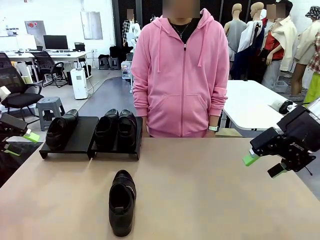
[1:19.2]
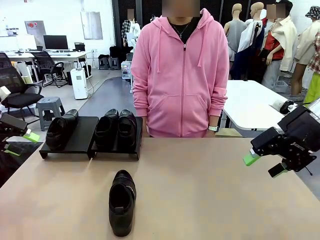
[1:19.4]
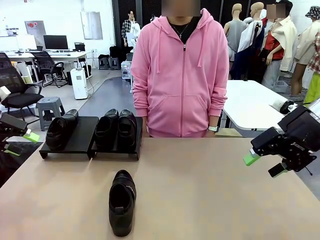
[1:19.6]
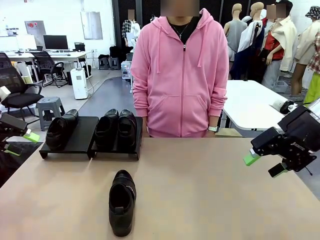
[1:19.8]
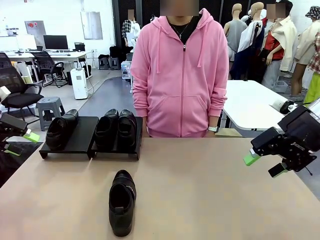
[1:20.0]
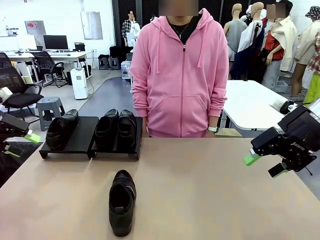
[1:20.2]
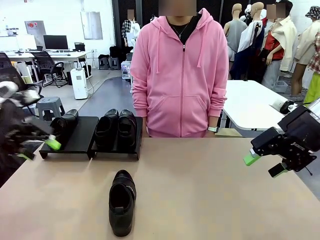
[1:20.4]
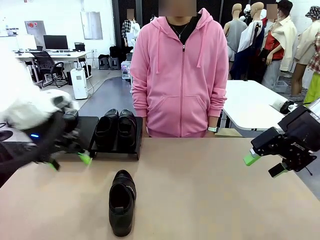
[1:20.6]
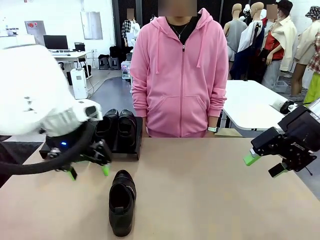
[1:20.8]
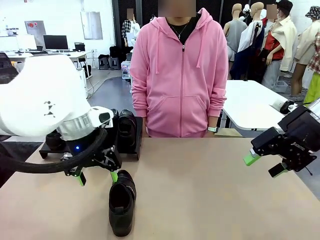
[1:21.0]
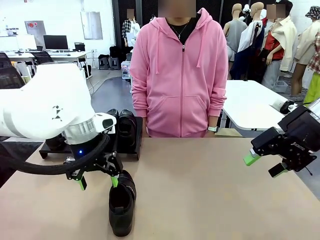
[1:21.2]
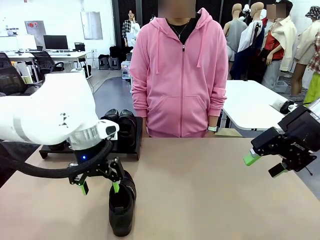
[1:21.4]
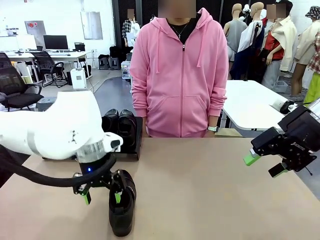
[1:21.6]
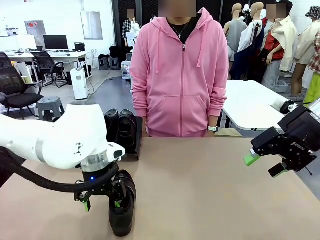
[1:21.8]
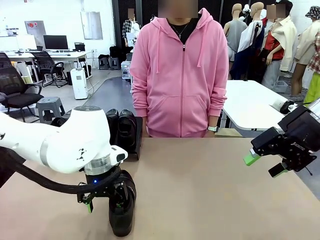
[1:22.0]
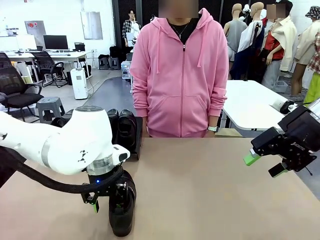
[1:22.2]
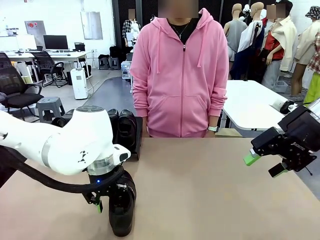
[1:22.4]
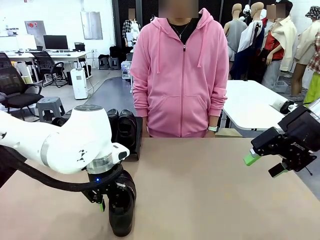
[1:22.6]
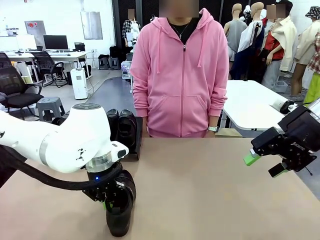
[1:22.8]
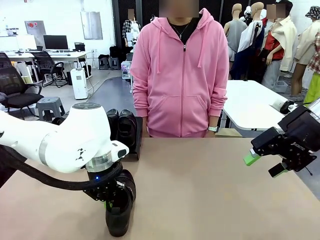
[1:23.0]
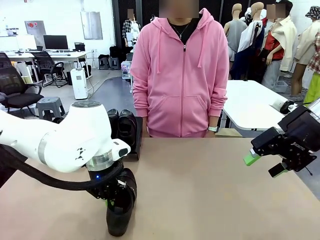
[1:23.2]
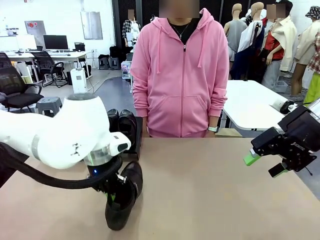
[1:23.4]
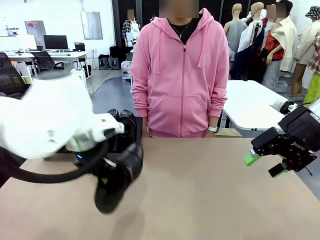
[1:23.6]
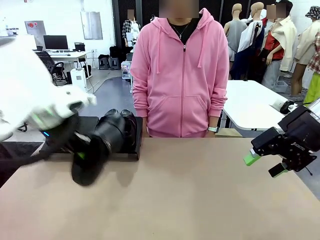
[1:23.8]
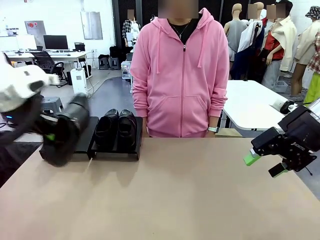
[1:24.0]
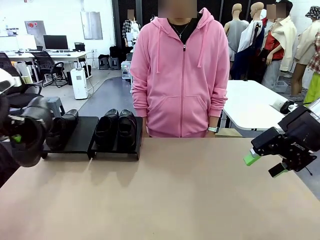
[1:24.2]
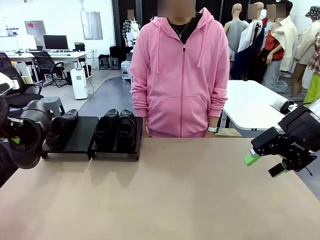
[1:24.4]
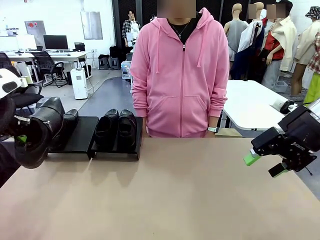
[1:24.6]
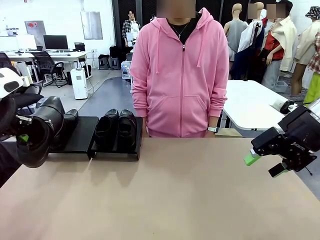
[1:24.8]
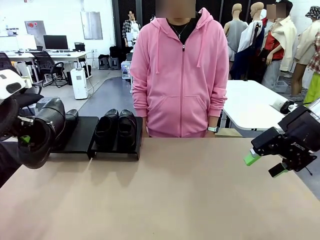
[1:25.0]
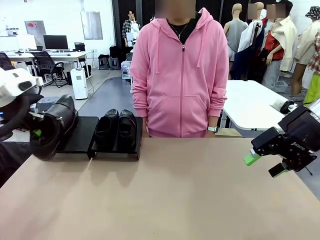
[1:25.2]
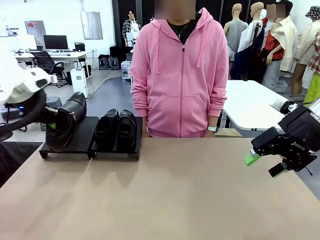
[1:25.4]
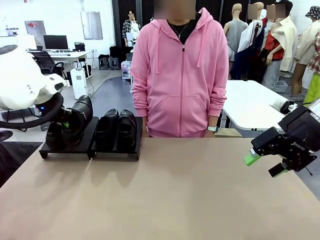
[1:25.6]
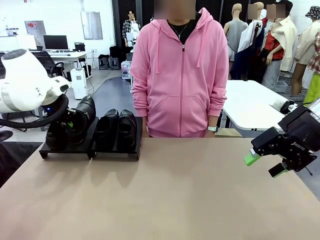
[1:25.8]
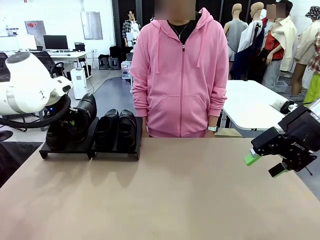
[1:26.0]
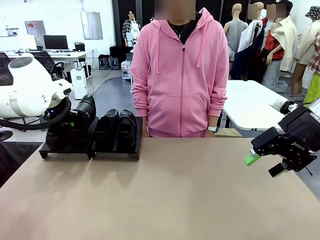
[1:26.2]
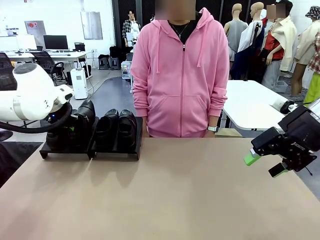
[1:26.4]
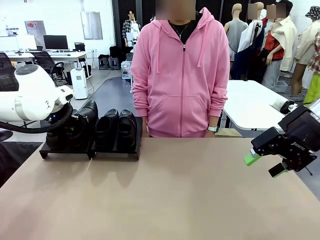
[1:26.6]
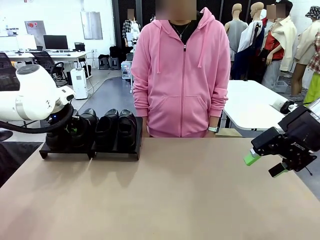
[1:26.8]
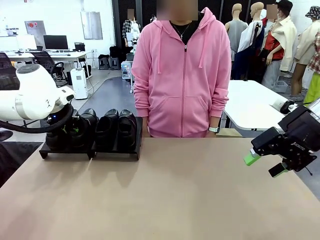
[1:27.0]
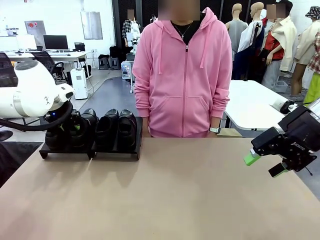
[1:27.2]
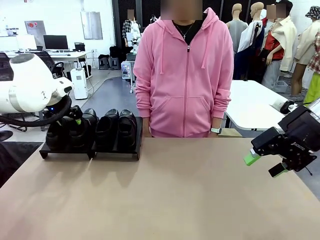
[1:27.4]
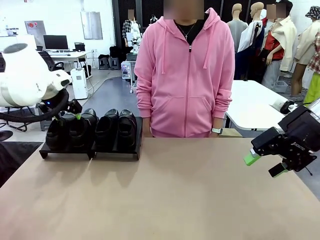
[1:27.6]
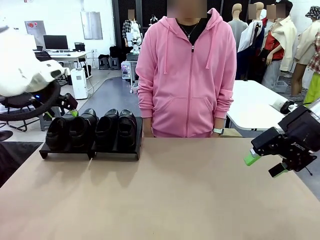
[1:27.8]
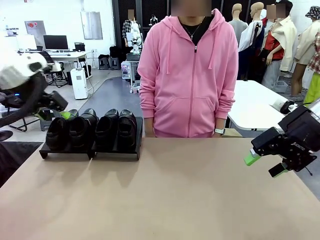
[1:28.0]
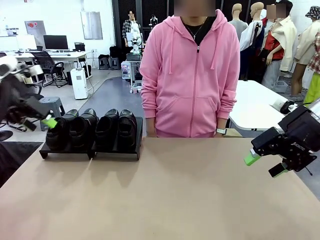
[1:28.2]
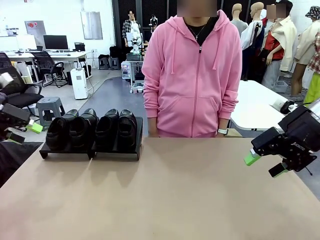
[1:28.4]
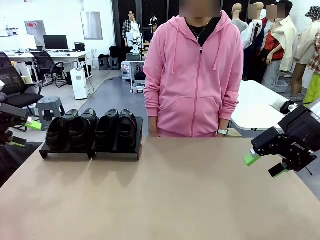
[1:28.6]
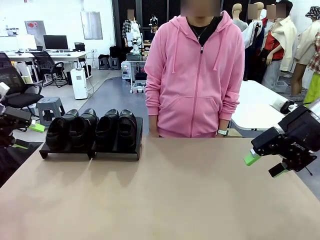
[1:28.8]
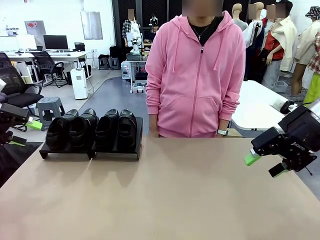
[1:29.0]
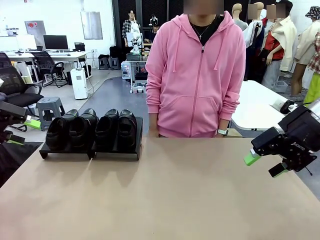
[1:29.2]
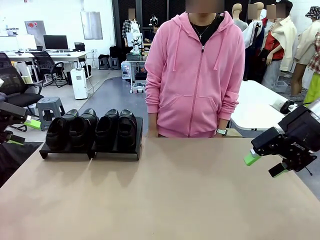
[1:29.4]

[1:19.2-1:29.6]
Task: Organize the shoes by placing them on the stand.
Robot: Place the Shoe from the middle of the table onto the Shoes Stand.

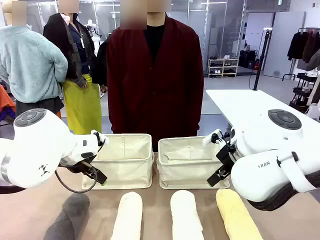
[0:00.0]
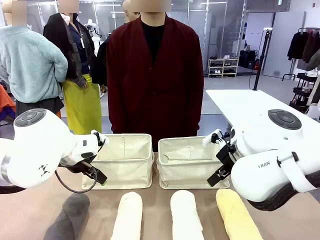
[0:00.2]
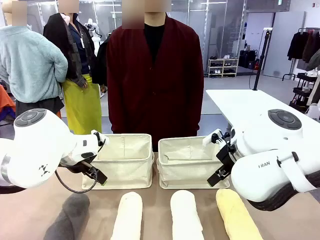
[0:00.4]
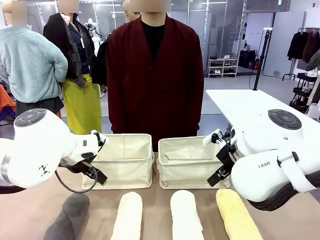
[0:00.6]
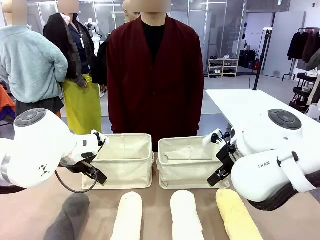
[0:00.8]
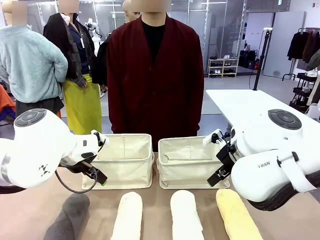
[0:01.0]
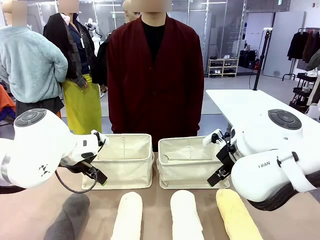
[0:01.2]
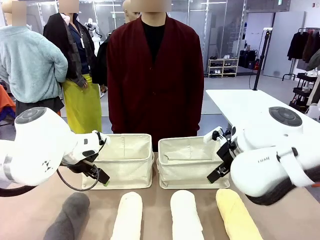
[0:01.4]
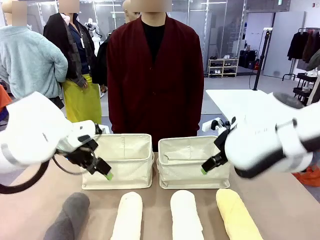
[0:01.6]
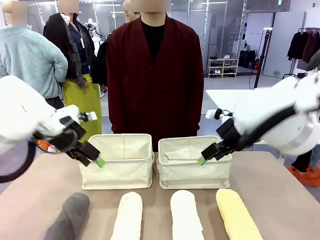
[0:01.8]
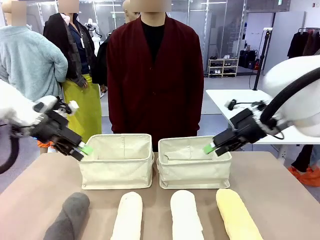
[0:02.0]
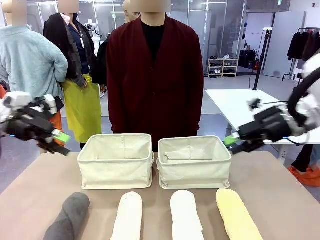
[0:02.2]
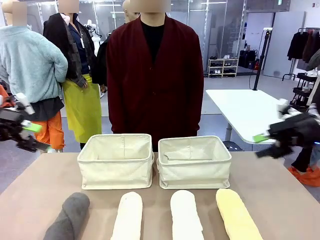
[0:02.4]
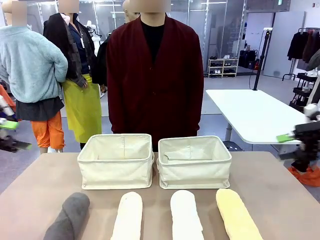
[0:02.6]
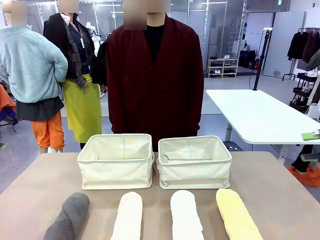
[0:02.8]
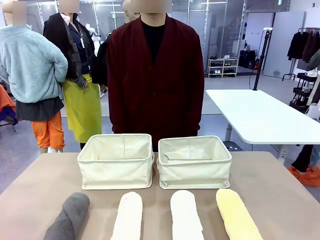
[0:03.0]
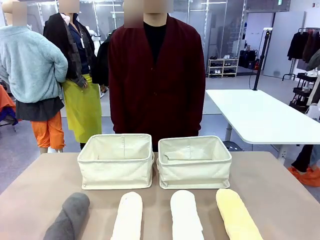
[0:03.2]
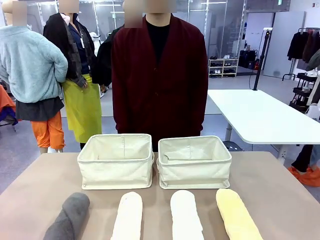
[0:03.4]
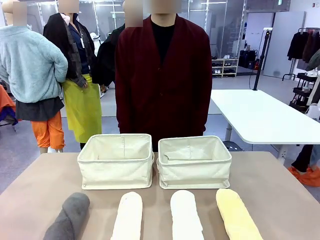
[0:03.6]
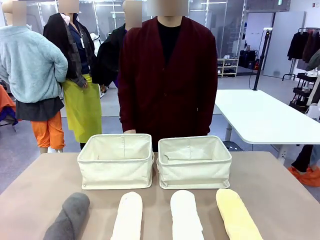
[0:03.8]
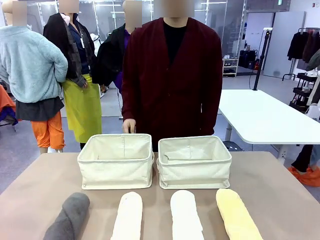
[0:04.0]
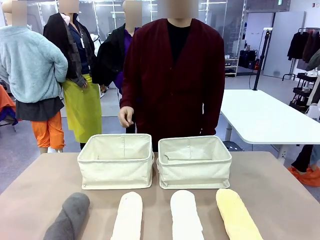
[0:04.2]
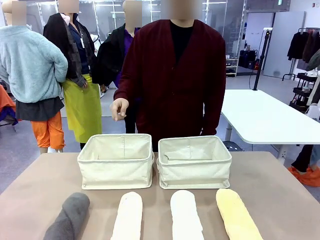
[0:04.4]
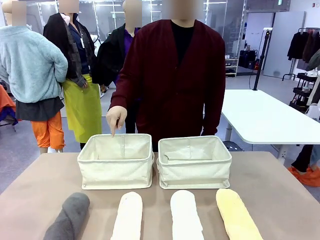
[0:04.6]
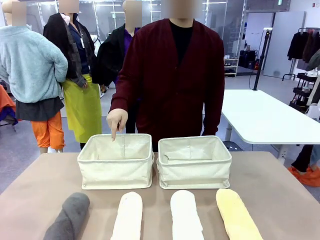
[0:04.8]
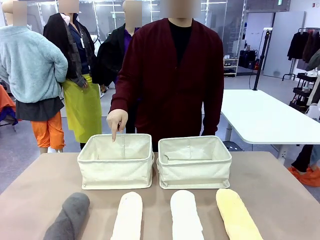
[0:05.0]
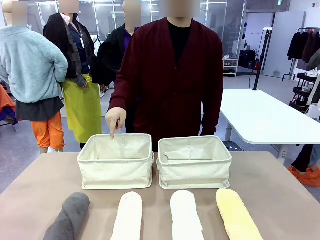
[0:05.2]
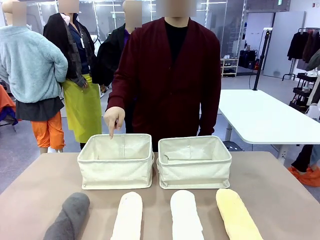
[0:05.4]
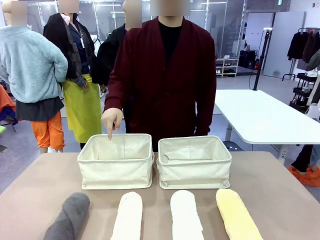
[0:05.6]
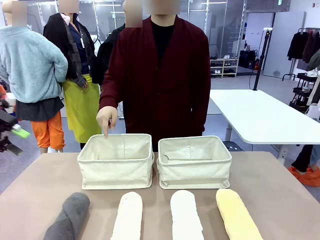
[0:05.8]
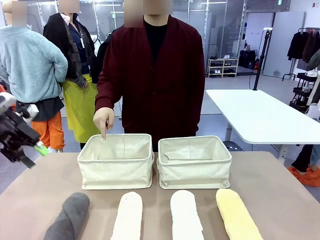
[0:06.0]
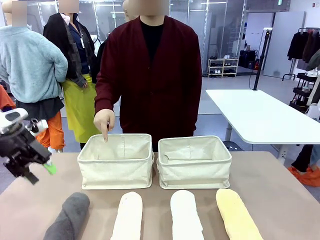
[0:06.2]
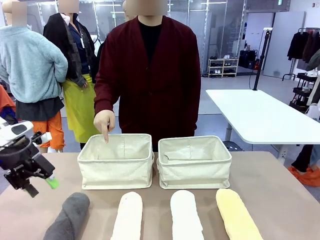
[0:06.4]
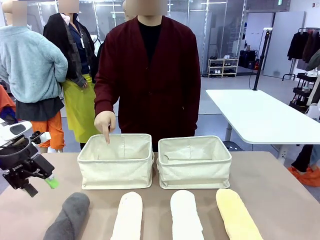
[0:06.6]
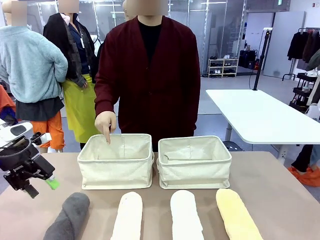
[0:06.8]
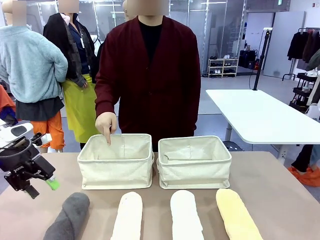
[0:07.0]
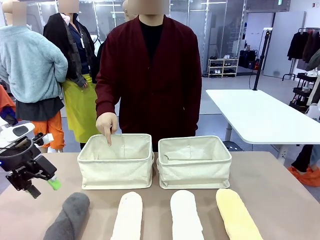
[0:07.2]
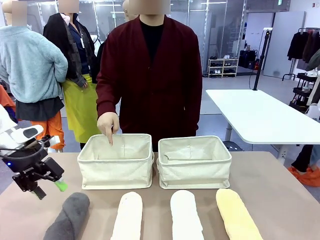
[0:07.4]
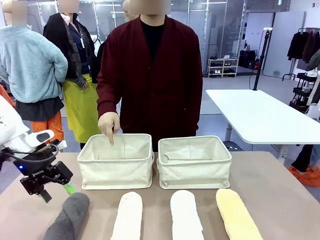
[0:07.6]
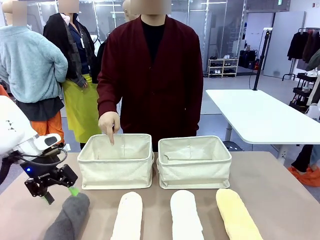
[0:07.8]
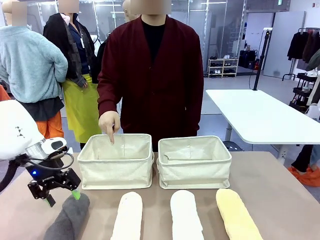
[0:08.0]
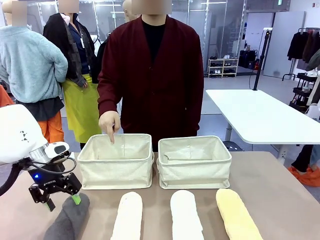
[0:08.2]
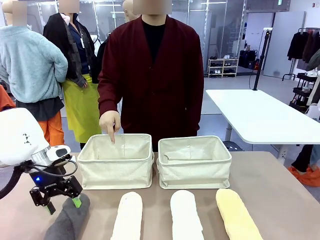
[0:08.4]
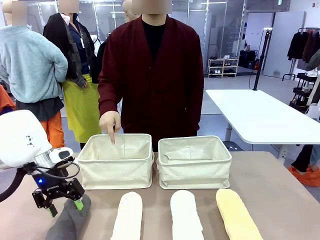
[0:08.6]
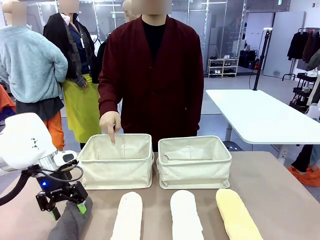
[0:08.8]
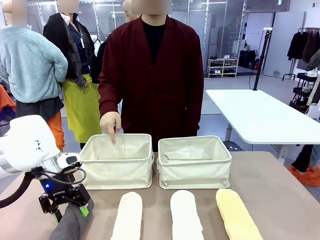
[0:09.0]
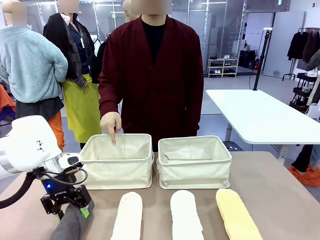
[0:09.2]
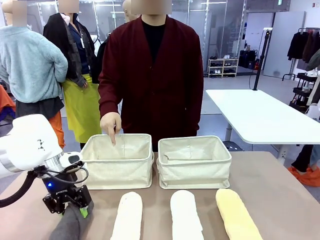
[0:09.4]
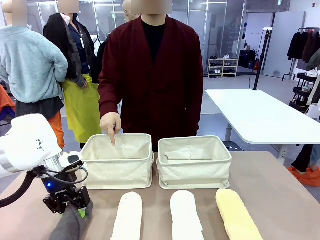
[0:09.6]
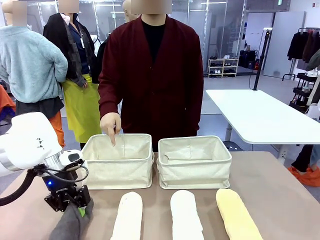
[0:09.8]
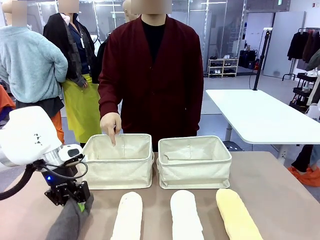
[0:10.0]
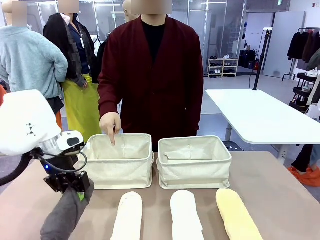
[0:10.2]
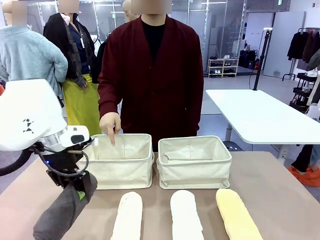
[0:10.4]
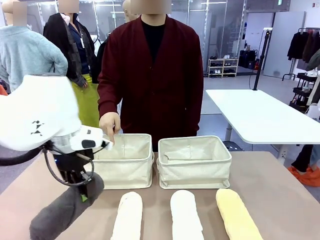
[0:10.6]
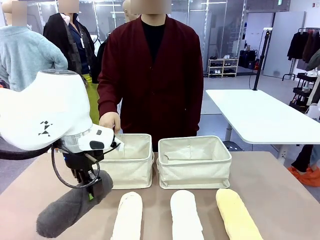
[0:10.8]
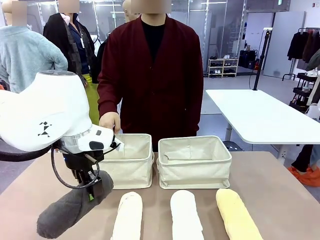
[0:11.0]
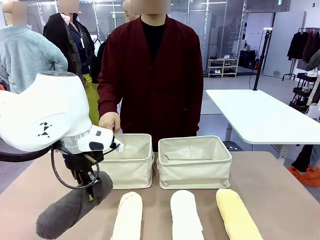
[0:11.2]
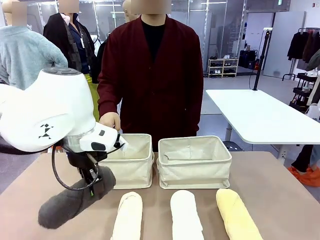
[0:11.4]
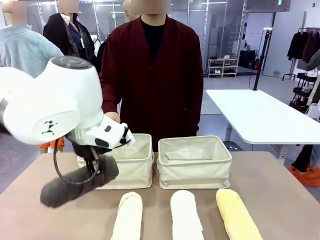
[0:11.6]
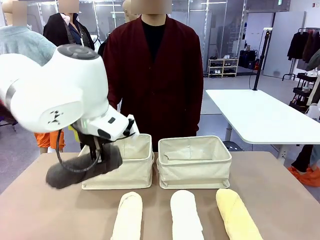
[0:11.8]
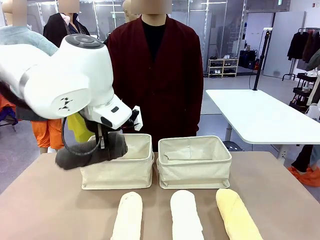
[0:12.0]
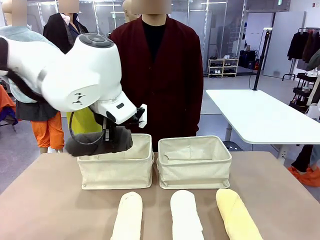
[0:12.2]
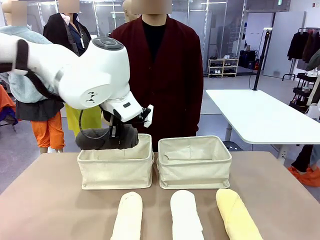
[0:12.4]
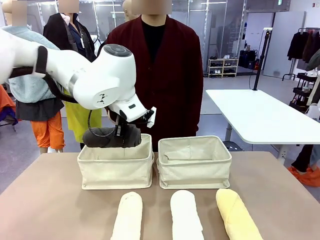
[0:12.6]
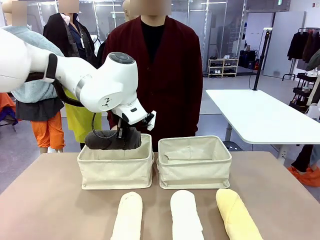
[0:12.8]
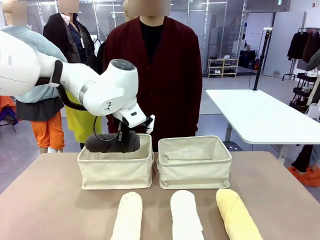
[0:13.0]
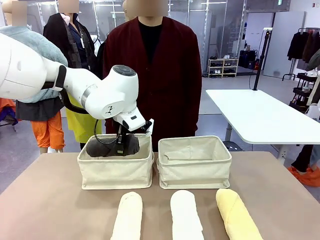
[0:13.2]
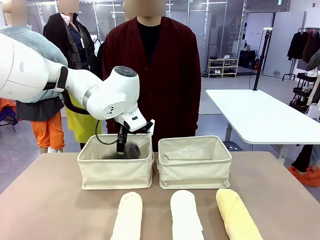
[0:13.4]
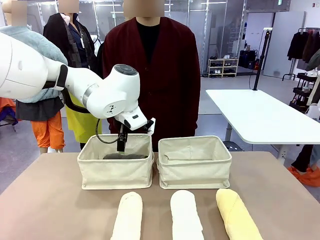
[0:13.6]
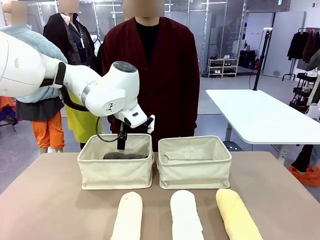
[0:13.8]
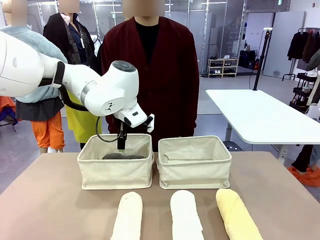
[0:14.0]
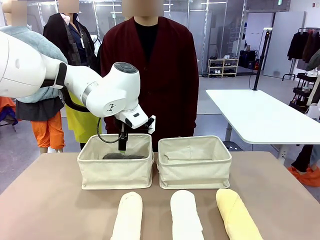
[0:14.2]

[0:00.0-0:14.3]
Task: Divide the towels into two baskets.
Robot: Pick up one hotel-folded towel and place it in the Fabric basket indicated by the person.
